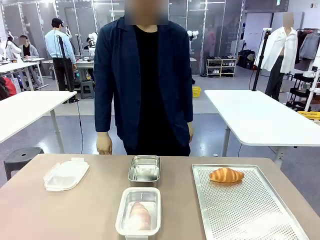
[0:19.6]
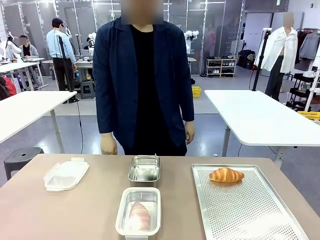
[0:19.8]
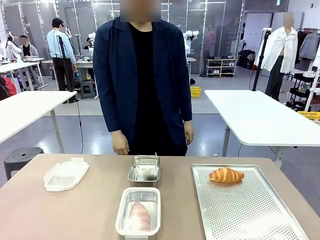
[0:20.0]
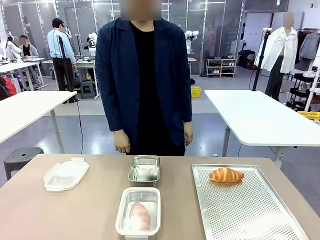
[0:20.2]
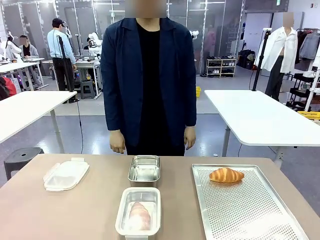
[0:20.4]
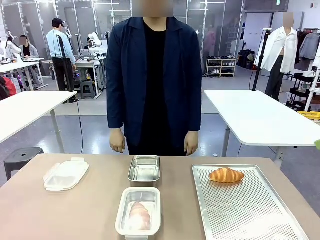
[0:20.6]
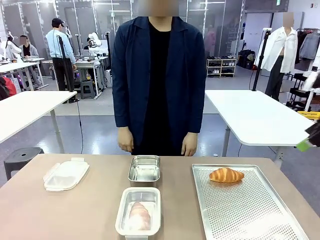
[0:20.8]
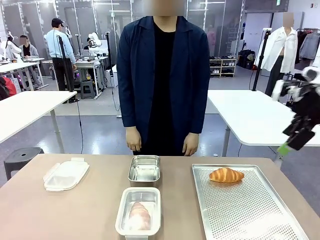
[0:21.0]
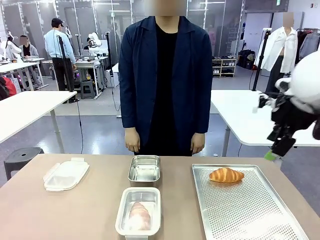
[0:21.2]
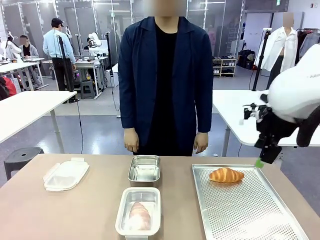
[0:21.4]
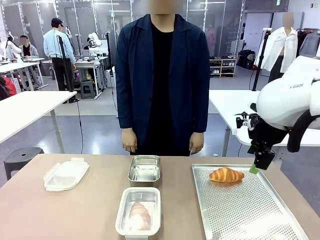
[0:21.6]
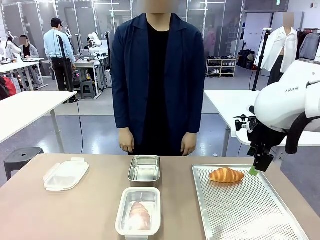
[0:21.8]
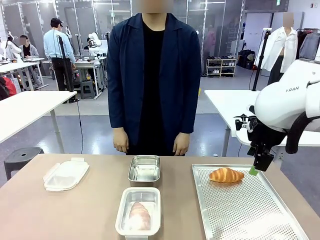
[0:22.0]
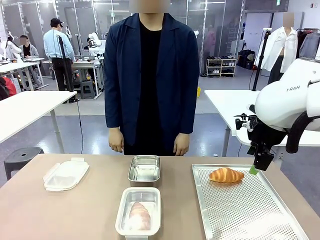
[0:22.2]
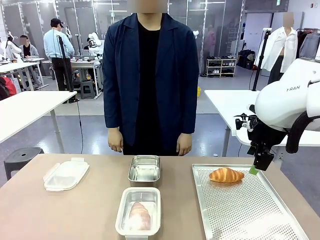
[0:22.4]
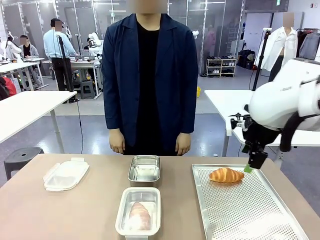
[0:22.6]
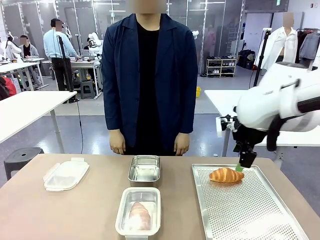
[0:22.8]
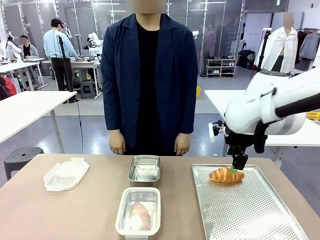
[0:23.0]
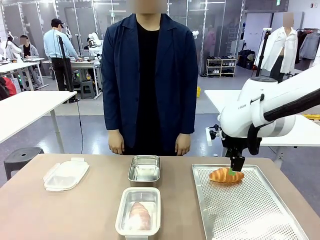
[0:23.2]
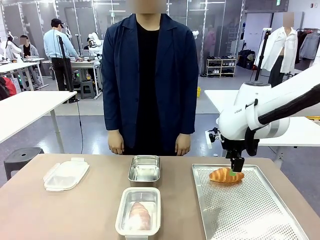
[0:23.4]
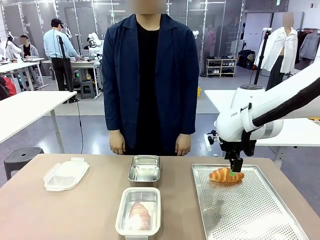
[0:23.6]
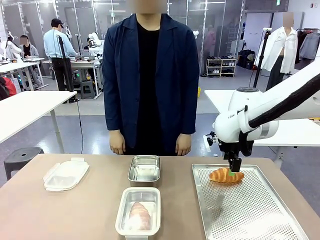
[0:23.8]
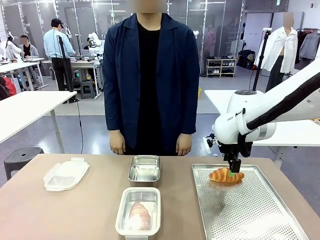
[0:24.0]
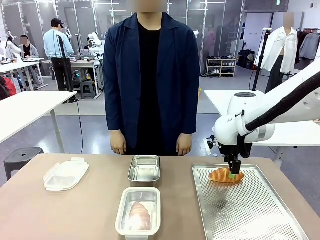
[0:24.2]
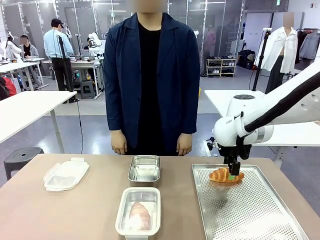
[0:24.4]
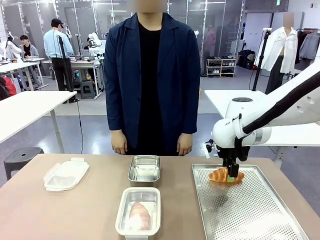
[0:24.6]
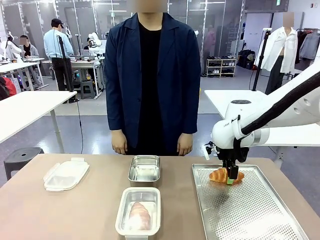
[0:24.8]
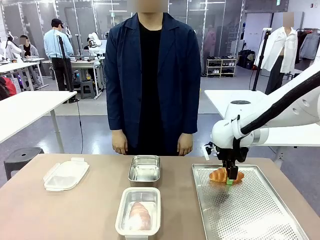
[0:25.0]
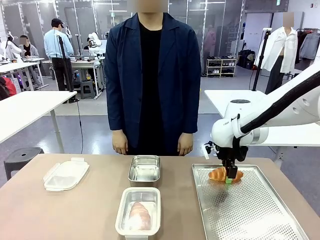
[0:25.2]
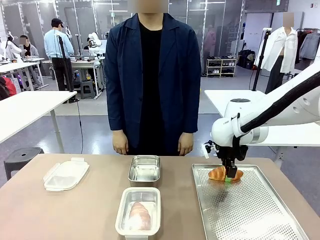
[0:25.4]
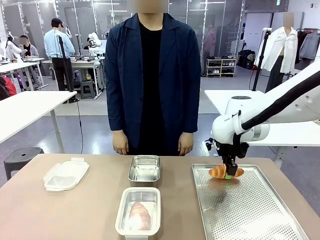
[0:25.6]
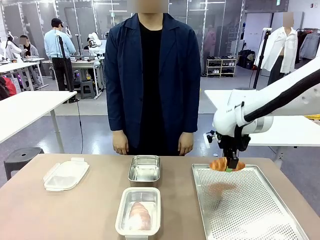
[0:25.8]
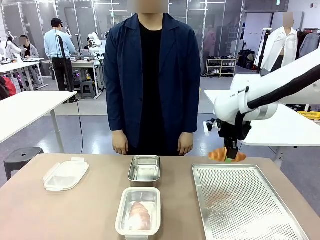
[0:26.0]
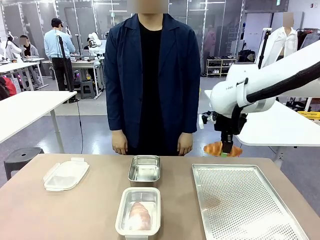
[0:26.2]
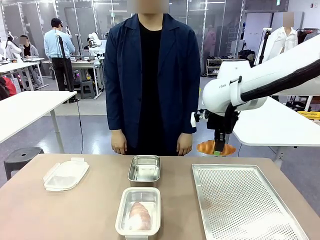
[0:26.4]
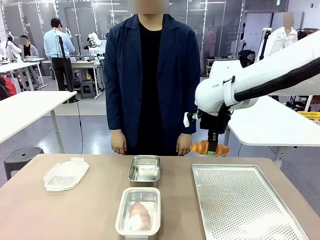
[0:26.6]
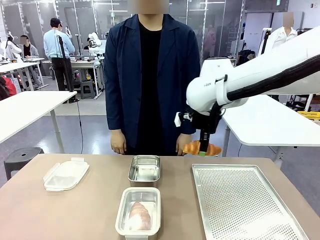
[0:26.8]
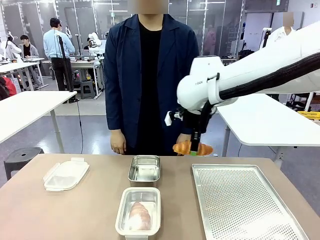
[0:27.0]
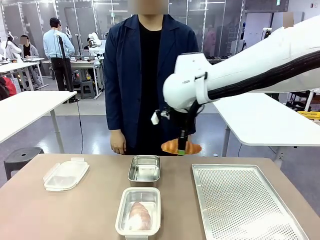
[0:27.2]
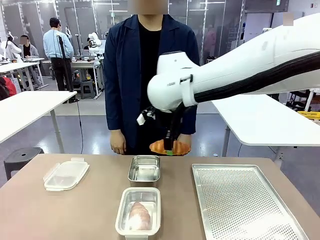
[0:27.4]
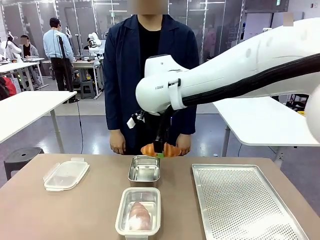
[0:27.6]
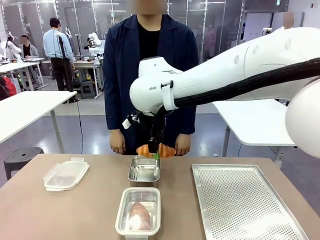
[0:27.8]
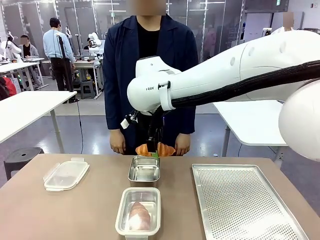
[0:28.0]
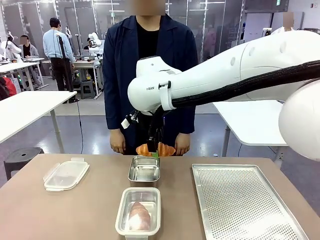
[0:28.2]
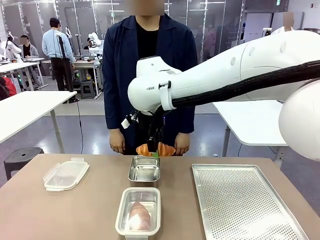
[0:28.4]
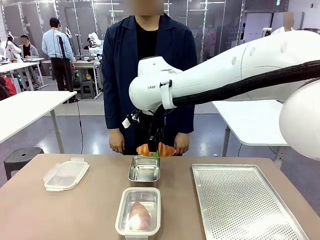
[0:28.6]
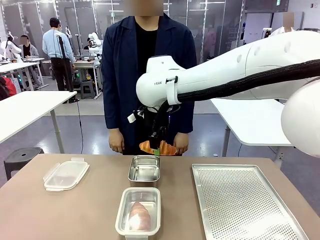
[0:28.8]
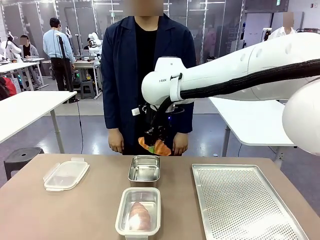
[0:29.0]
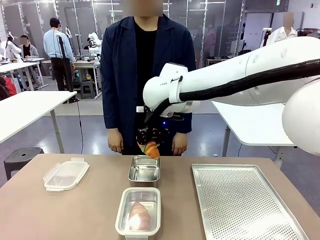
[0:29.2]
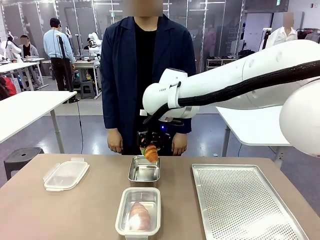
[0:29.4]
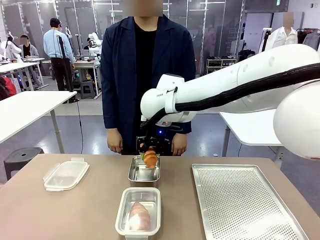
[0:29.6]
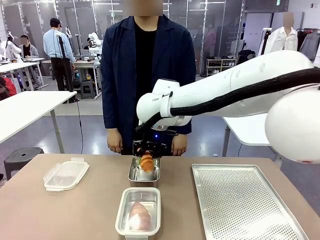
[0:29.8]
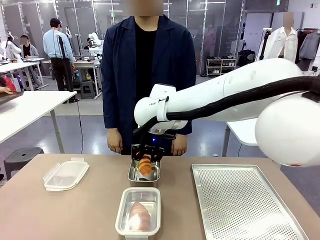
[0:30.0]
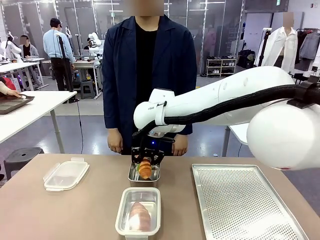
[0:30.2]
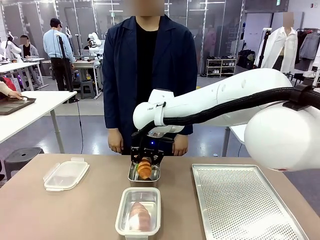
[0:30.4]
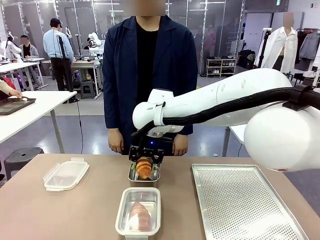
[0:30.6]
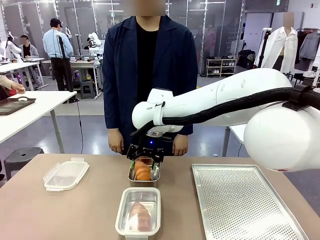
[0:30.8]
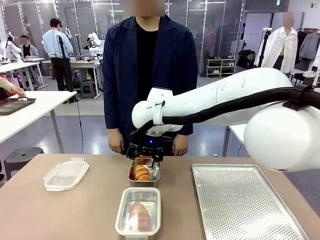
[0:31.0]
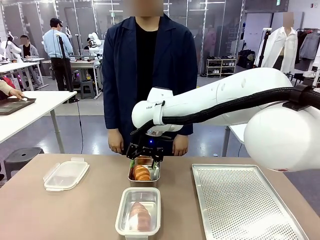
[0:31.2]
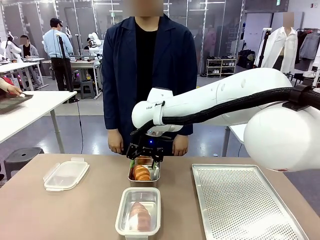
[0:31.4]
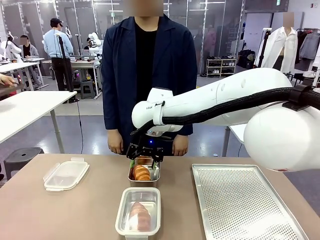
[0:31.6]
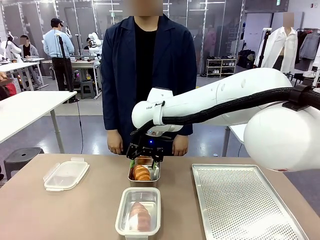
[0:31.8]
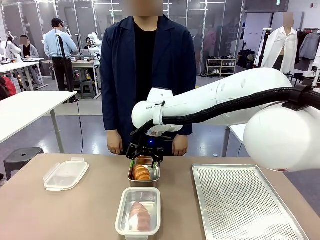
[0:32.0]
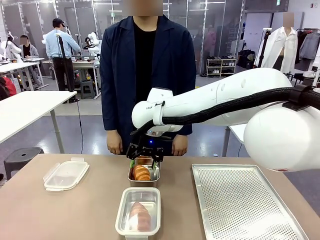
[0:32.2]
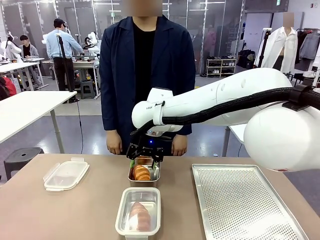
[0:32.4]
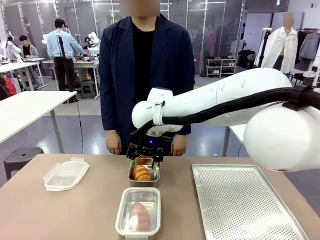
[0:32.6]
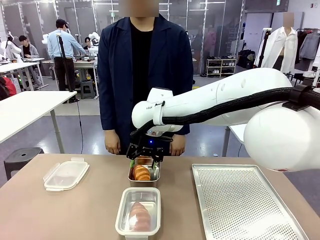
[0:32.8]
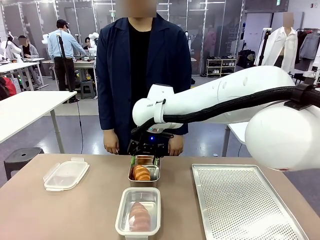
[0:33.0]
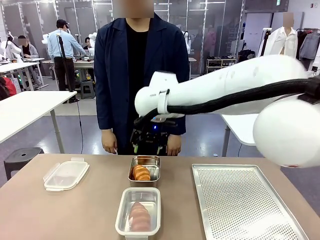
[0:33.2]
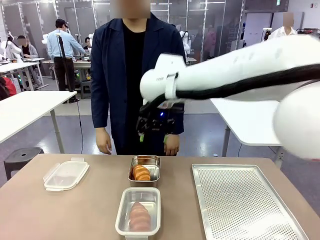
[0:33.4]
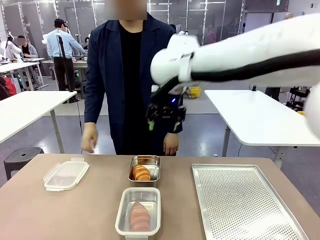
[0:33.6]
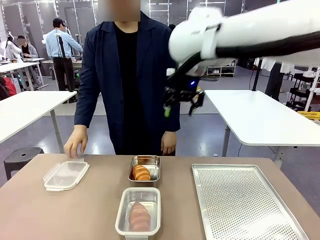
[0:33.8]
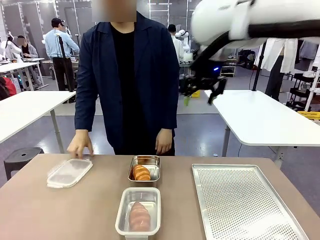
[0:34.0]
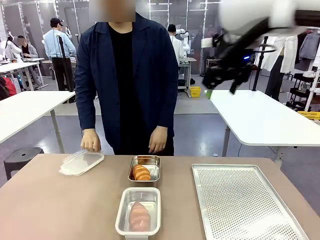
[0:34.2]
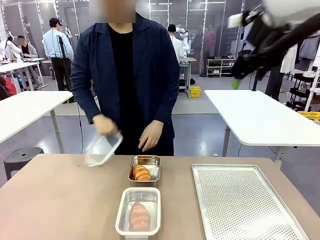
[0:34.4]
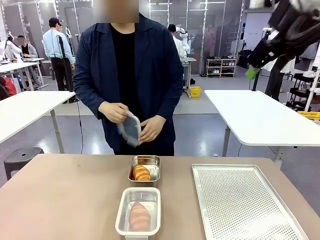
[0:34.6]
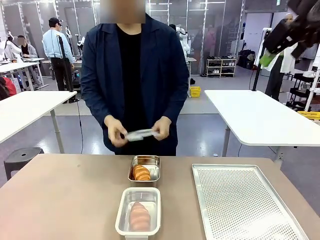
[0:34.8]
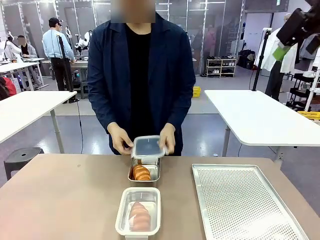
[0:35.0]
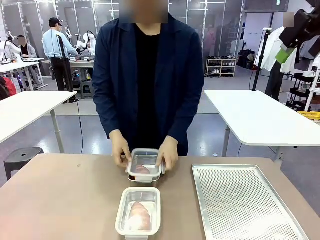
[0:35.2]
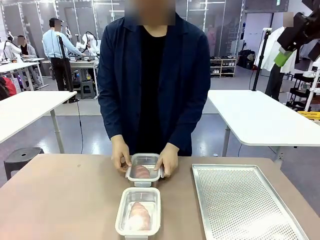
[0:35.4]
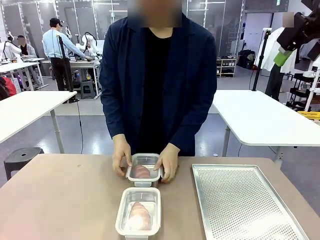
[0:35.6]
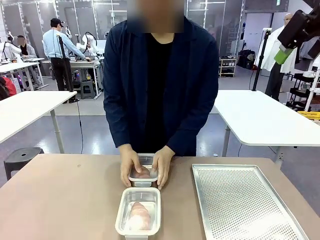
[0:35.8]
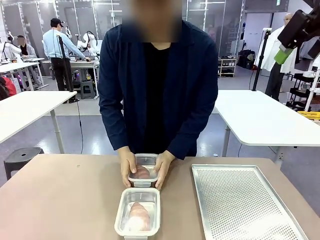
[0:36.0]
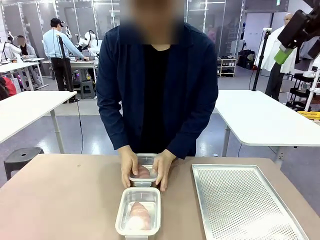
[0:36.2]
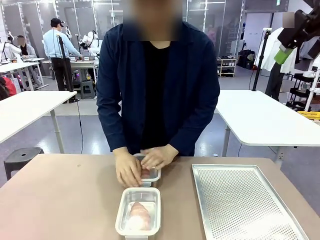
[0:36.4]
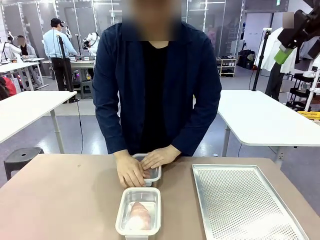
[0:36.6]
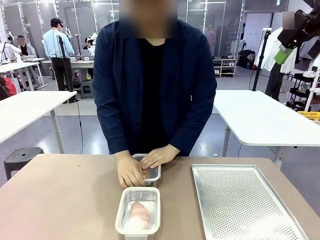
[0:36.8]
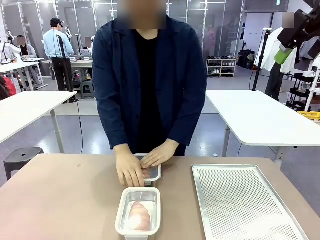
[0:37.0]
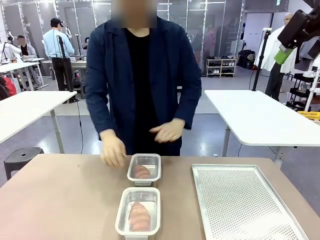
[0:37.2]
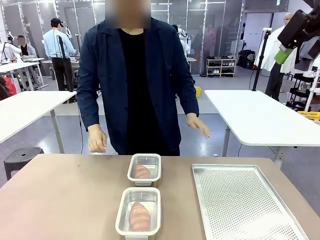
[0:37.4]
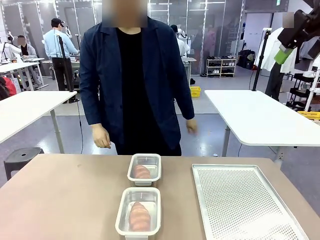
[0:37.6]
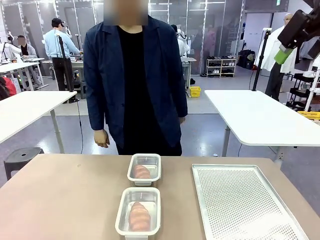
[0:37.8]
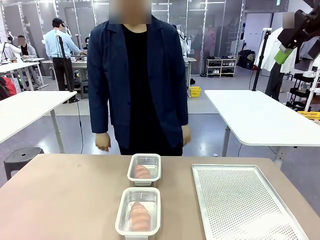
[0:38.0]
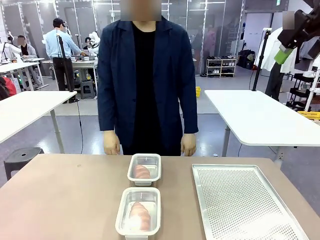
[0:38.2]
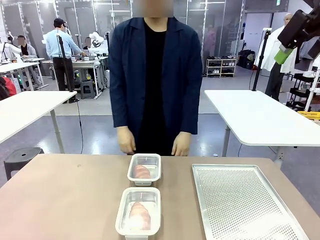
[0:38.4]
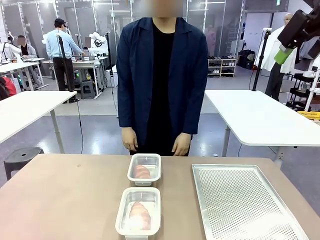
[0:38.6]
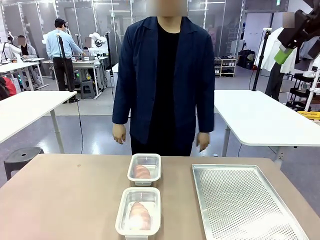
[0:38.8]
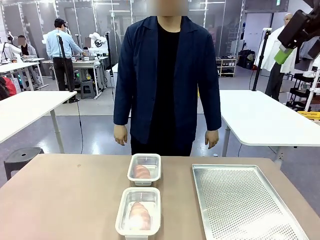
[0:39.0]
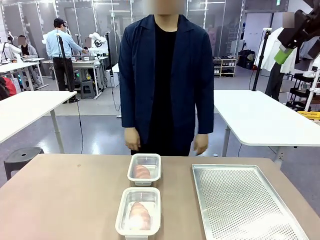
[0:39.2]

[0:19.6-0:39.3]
Task: Place the bread into the airtight container.
Robot: Pick up a Butter Roll and place it into an empty Airtight Container.
Person: Once a Butter Roll is inside an Airtight Container , close the lid of that Airtight Container.
